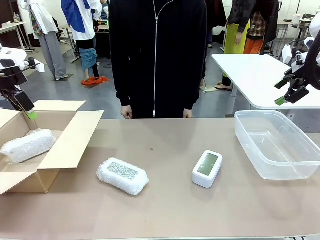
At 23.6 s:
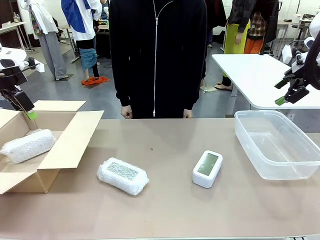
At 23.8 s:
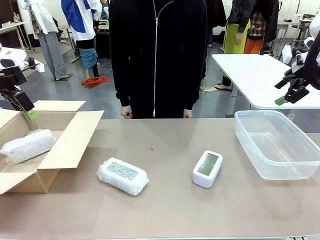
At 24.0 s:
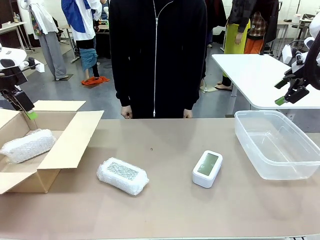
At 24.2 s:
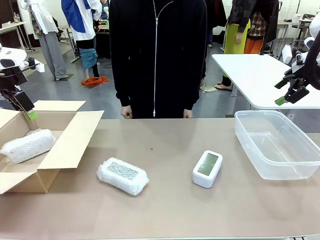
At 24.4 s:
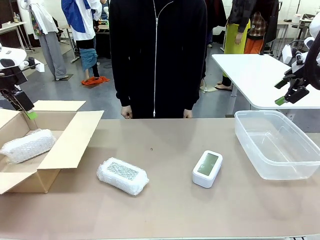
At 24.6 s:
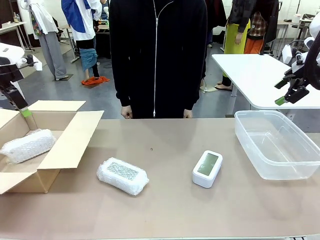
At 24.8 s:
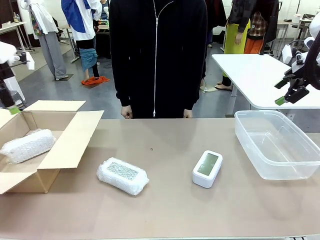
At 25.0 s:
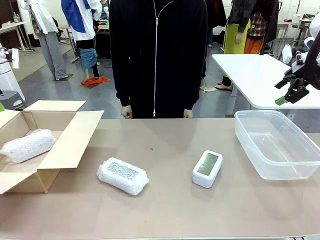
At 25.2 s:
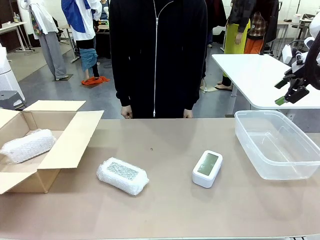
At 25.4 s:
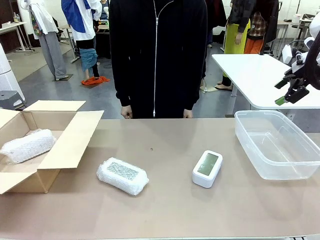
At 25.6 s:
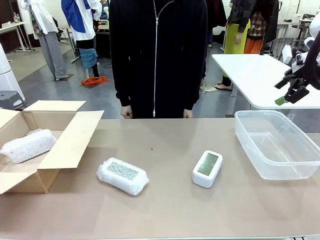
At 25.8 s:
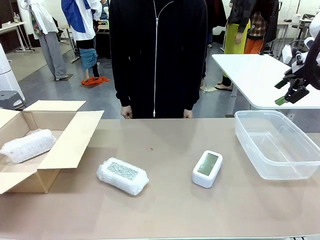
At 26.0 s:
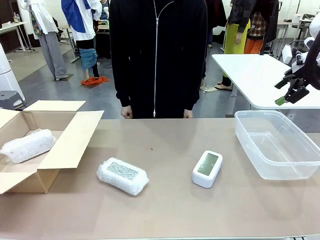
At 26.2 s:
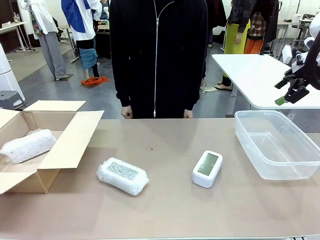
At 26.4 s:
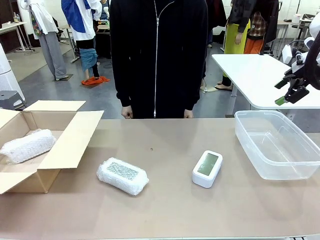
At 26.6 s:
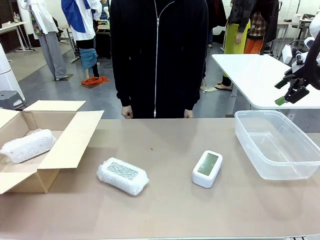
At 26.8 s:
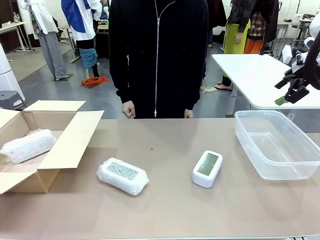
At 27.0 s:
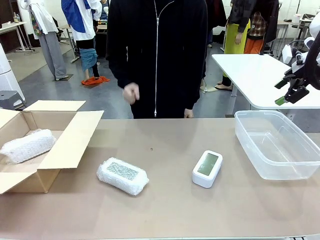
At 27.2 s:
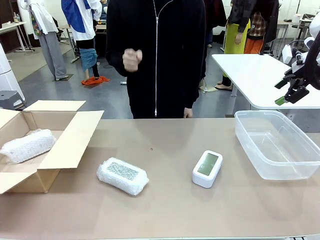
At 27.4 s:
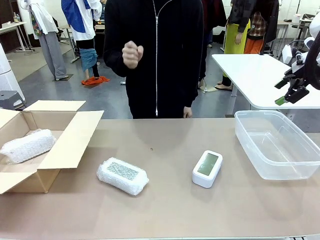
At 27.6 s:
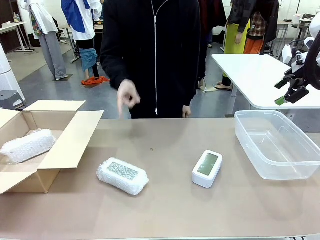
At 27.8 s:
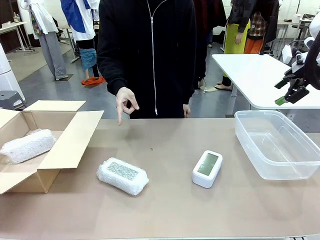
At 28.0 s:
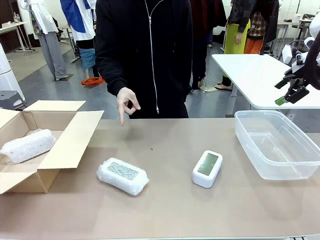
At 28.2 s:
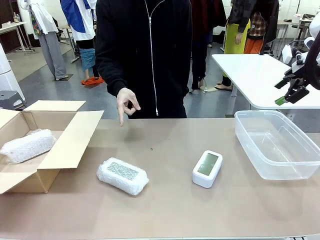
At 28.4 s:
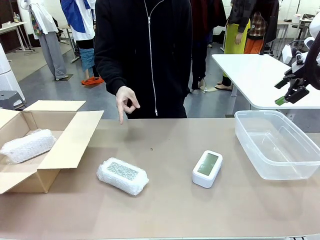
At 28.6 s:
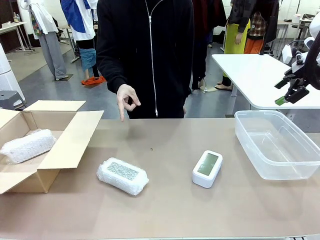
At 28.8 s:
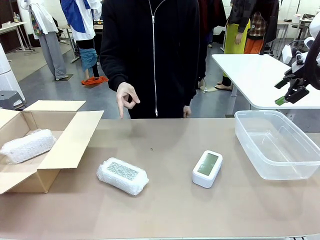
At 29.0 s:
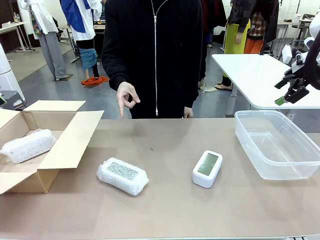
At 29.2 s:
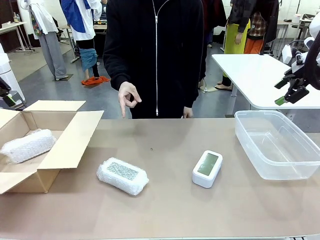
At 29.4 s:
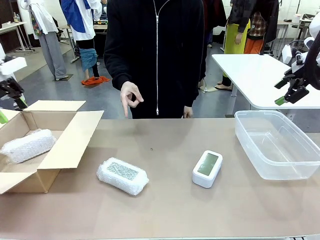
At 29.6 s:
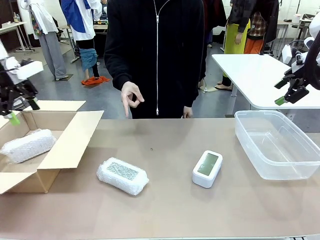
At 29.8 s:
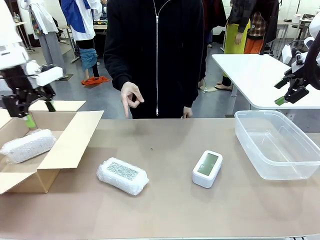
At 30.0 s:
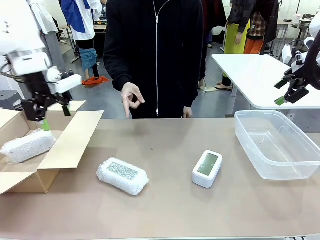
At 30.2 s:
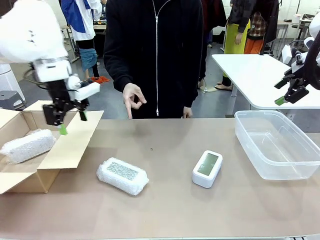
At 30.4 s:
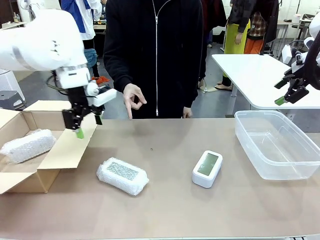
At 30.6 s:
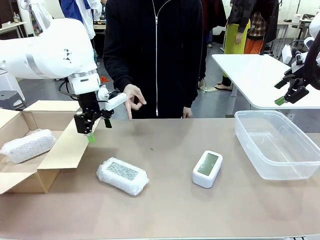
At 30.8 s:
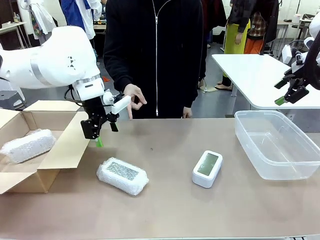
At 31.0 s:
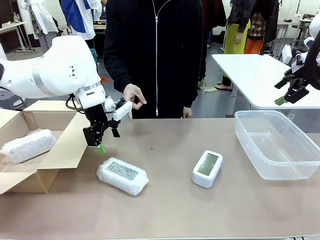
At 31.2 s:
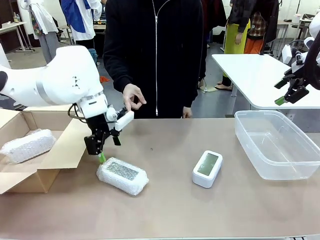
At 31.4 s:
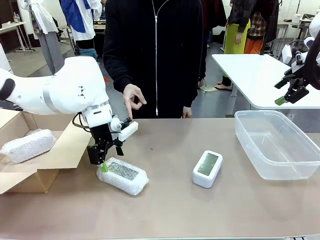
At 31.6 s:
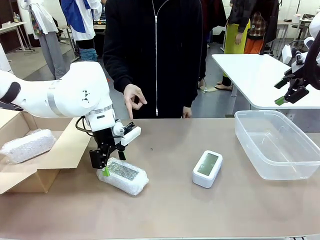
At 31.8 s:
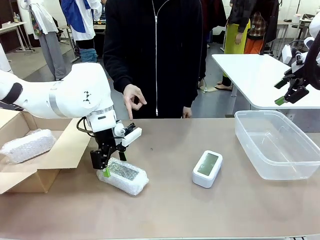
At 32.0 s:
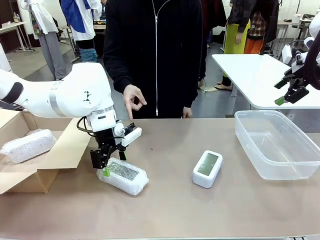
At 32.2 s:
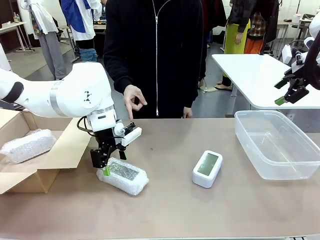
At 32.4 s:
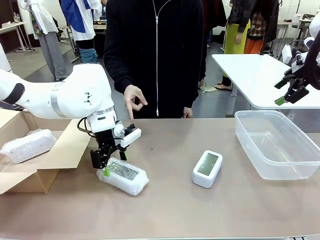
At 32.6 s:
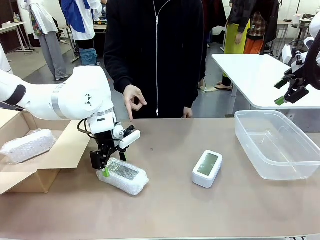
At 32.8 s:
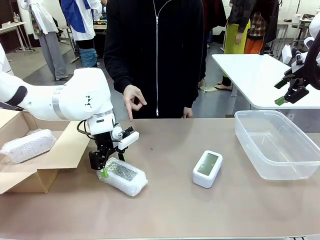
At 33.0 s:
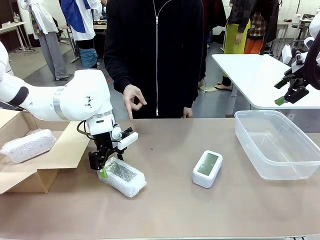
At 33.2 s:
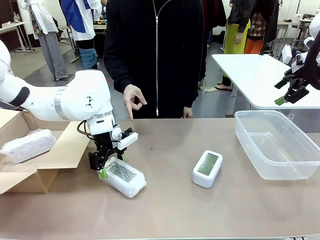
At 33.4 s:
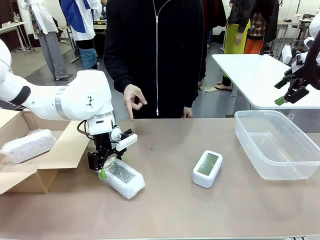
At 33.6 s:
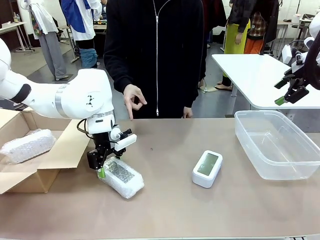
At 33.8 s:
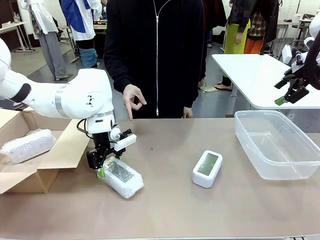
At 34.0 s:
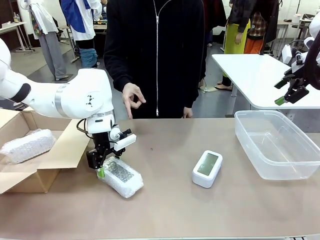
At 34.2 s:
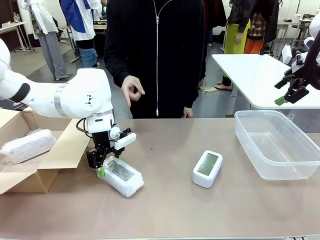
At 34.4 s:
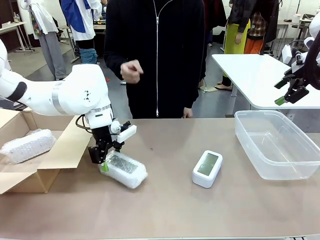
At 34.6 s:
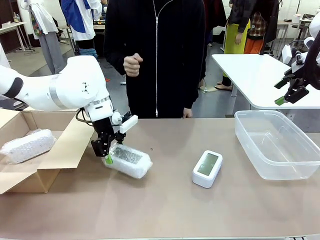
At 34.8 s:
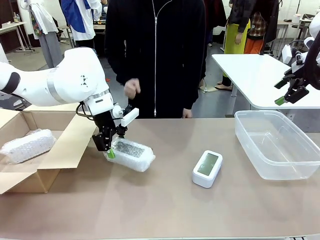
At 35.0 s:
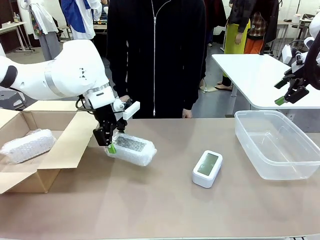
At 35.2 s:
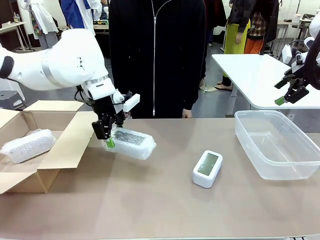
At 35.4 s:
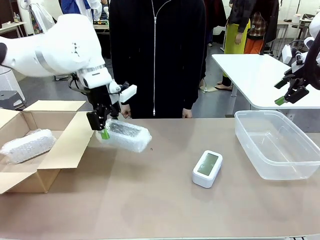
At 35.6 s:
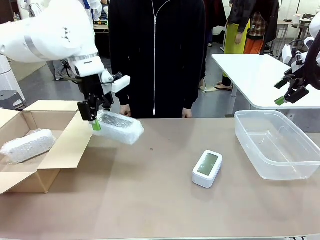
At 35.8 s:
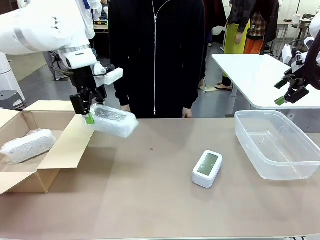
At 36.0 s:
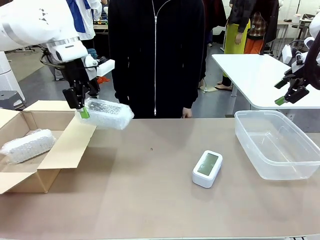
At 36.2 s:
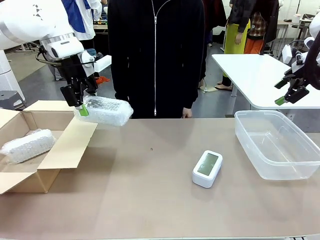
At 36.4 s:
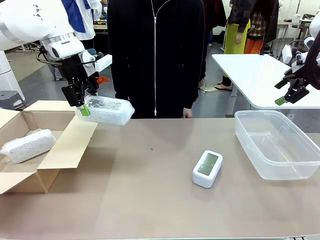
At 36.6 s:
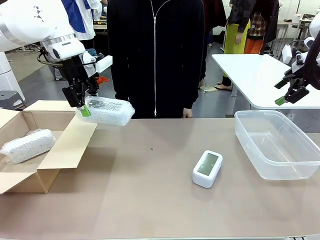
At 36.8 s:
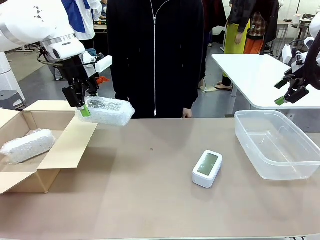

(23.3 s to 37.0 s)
Task: Separate and place wrapped and unwrapped clocks.
Robot: Pick up the Digital clock indicated by the person.

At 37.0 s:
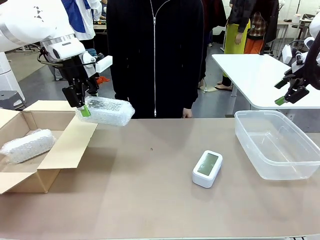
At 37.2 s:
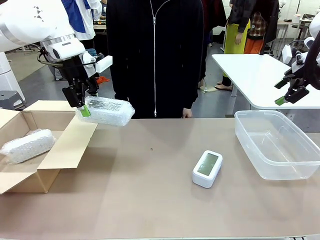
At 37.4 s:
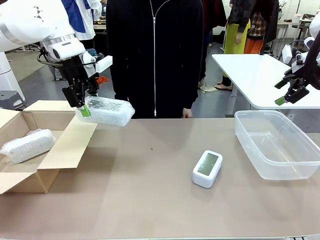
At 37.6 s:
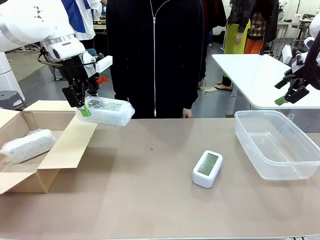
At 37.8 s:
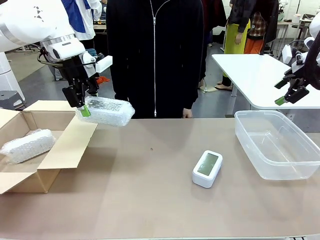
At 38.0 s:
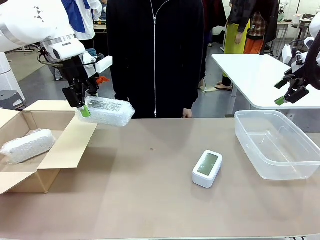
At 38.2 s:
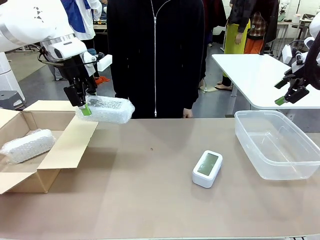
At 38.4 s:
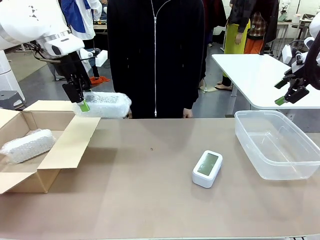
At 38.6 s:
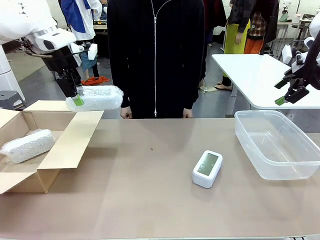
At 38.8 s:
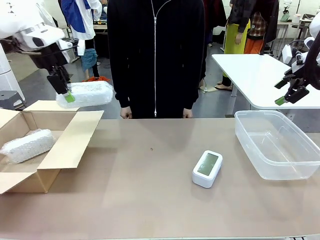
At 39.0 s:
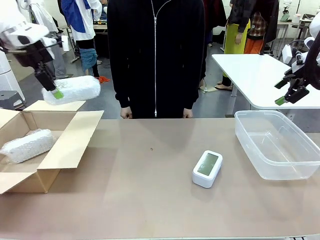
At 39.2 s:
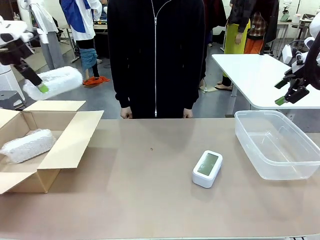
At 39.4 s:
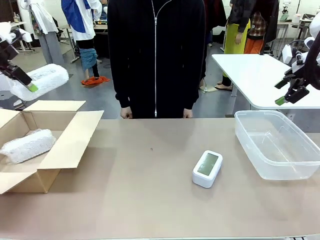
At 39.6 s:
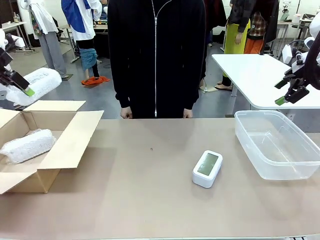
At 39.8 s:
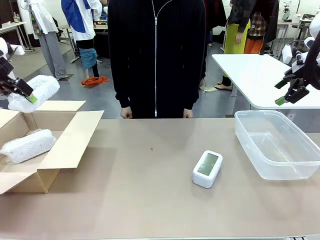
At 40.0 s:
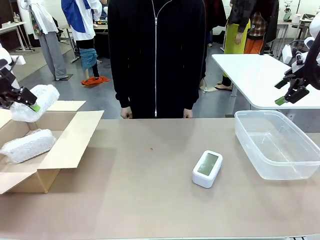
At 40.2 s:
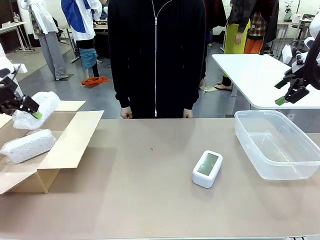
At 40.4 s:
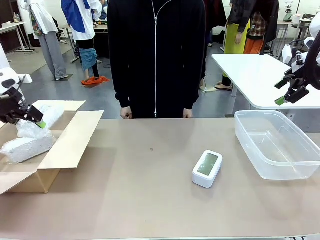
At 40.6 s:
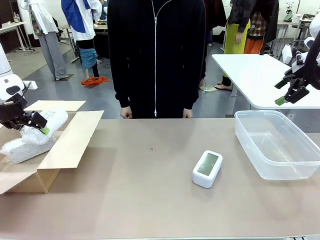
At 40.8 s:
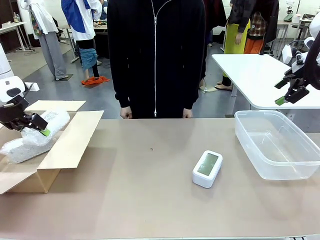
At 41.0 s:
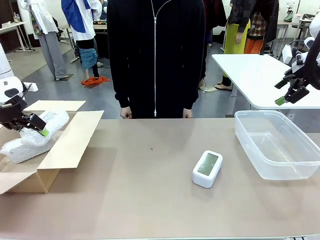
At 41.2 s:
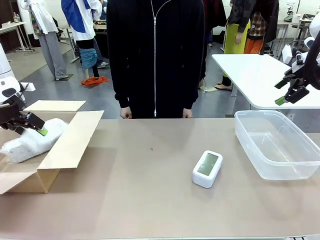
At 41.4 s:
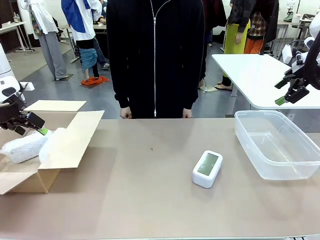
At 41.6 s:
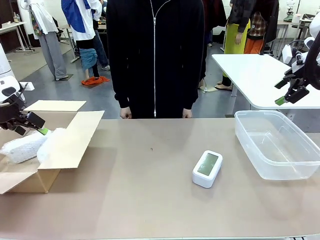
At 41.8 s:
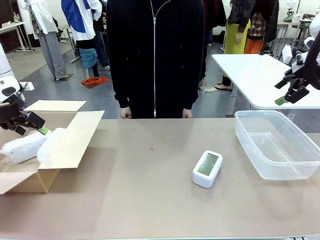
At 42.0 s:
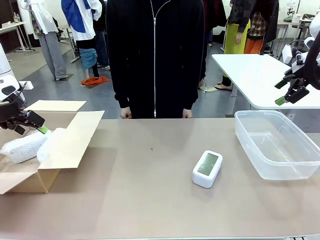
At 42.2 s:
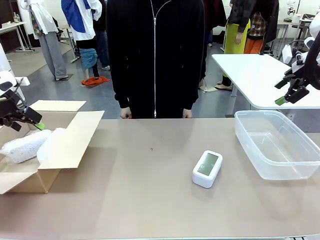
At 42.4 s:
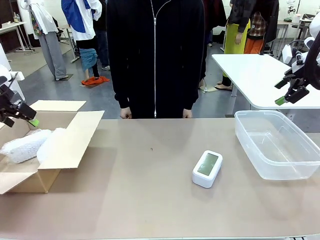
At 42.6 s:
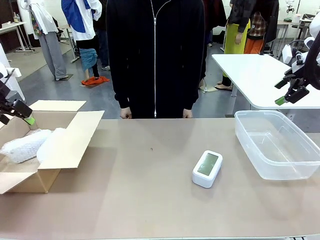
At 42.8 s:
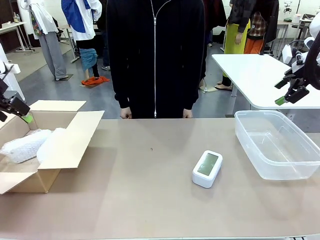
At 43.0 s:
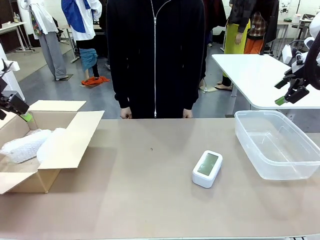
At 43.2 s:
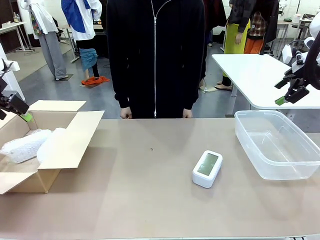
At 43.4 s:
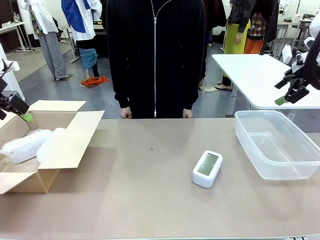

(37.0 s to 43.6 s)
Robot: If the picked Digital clock is wrapped, place it in the Package Box ; if not, place it in the Organizing box.
